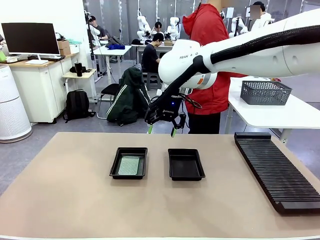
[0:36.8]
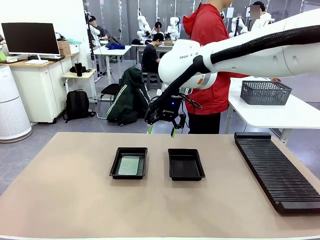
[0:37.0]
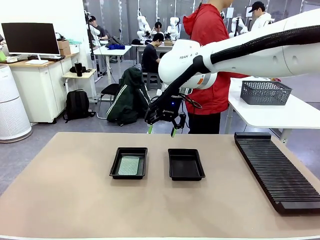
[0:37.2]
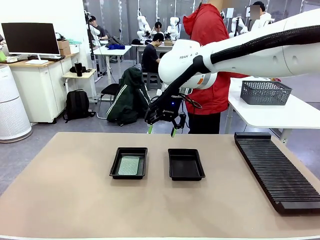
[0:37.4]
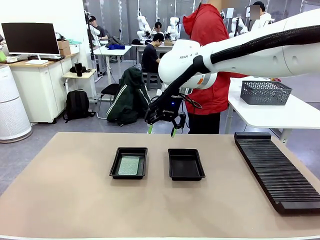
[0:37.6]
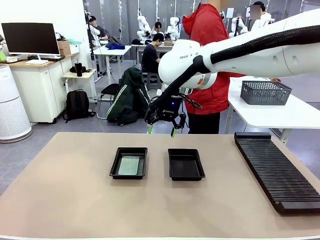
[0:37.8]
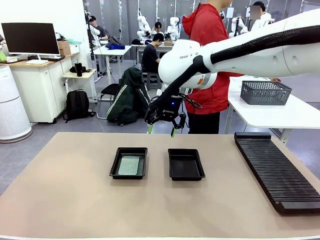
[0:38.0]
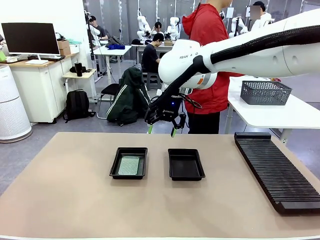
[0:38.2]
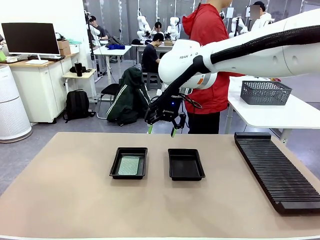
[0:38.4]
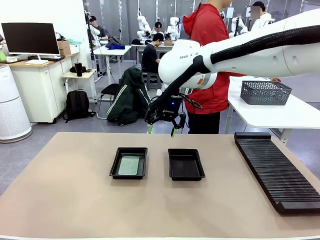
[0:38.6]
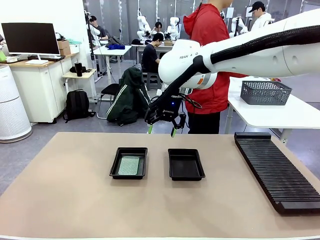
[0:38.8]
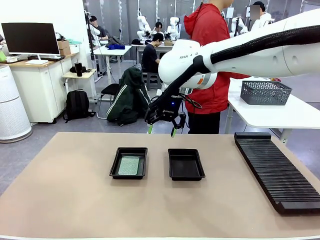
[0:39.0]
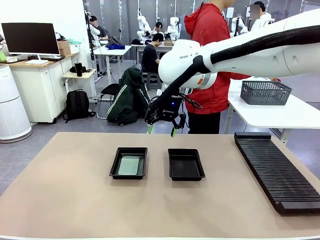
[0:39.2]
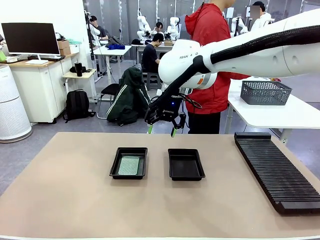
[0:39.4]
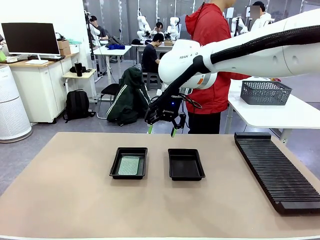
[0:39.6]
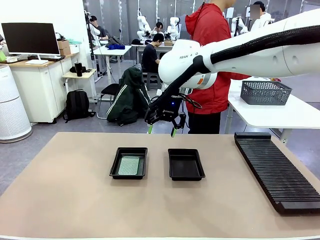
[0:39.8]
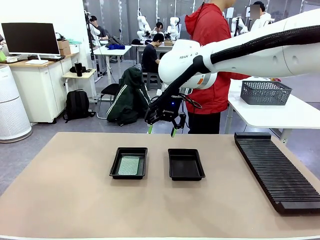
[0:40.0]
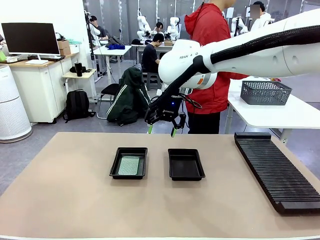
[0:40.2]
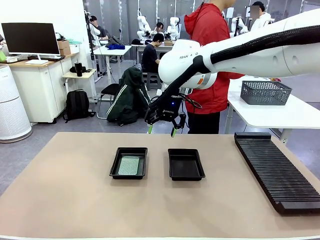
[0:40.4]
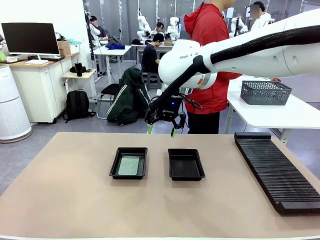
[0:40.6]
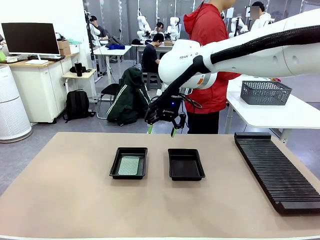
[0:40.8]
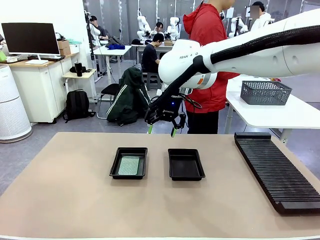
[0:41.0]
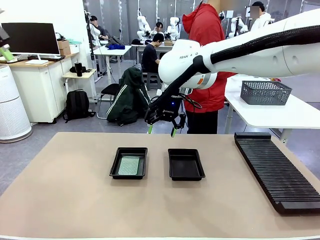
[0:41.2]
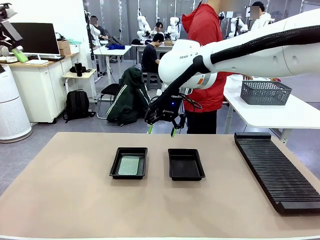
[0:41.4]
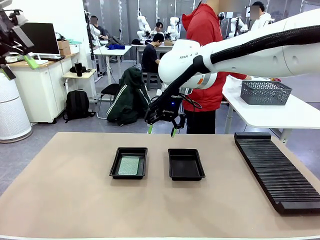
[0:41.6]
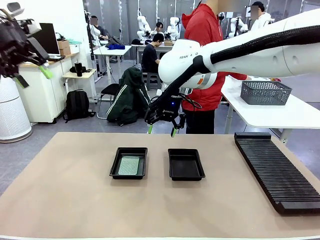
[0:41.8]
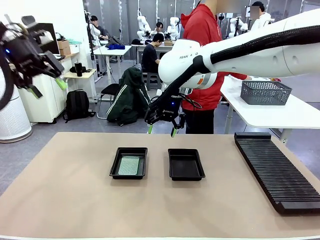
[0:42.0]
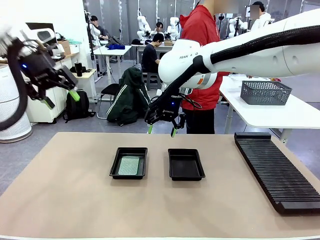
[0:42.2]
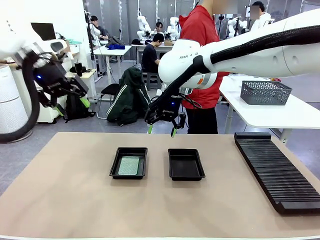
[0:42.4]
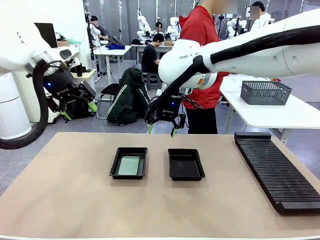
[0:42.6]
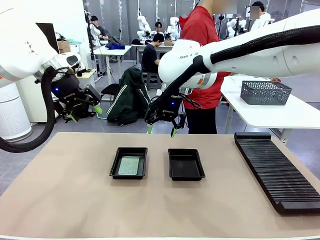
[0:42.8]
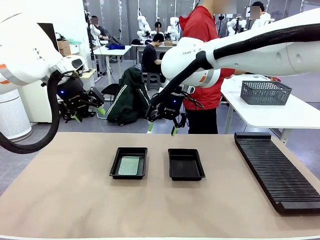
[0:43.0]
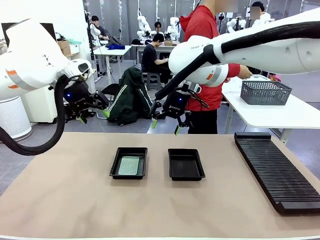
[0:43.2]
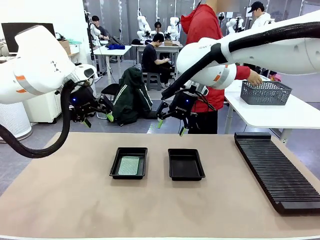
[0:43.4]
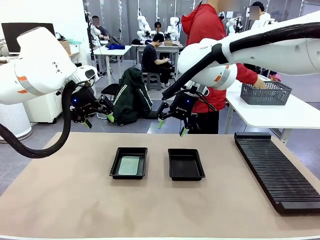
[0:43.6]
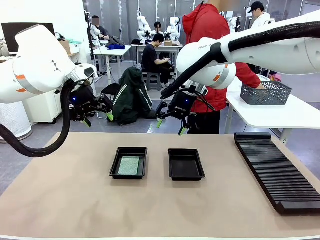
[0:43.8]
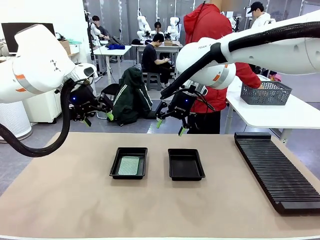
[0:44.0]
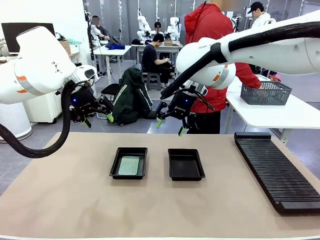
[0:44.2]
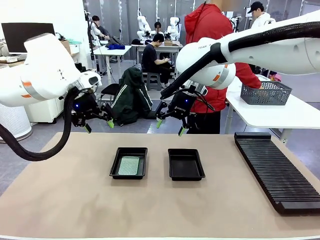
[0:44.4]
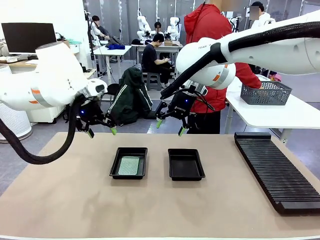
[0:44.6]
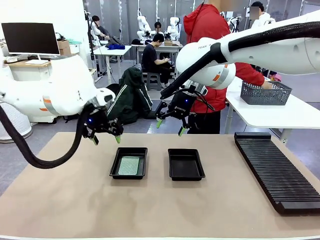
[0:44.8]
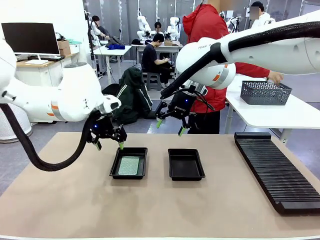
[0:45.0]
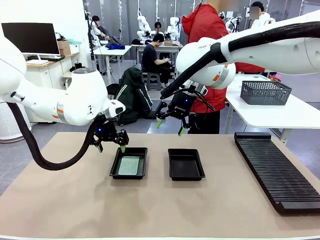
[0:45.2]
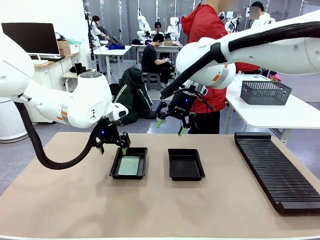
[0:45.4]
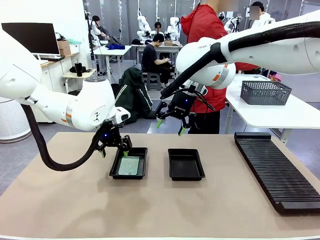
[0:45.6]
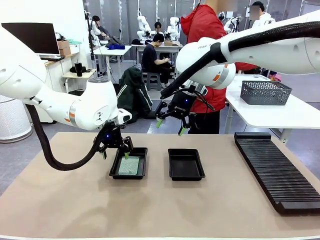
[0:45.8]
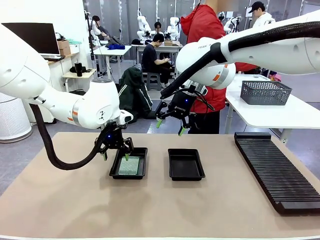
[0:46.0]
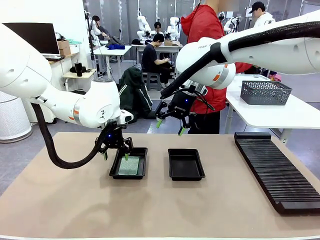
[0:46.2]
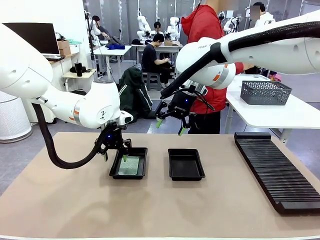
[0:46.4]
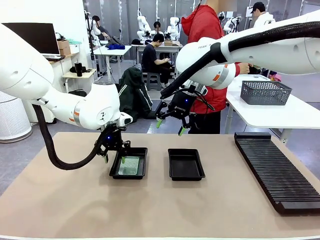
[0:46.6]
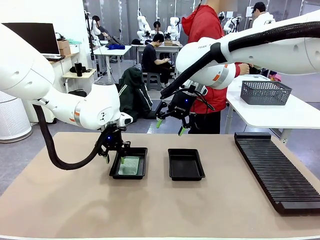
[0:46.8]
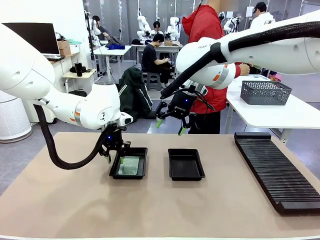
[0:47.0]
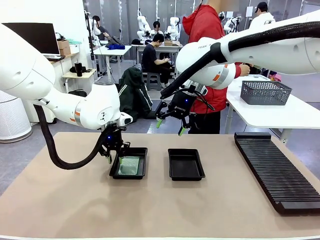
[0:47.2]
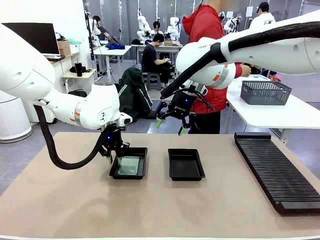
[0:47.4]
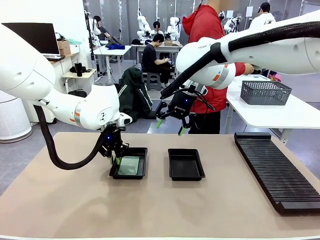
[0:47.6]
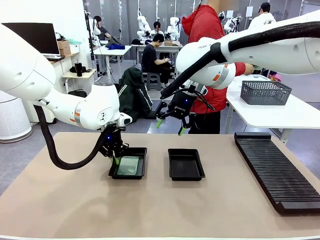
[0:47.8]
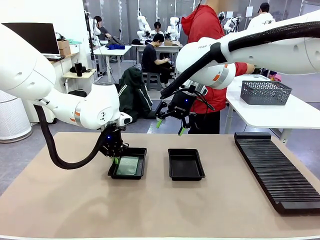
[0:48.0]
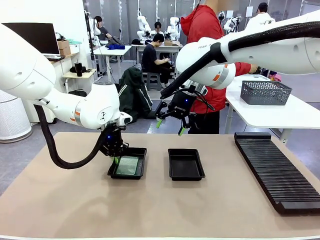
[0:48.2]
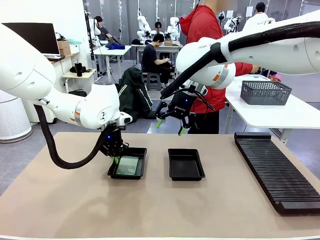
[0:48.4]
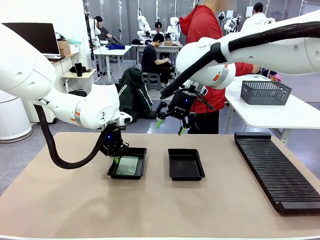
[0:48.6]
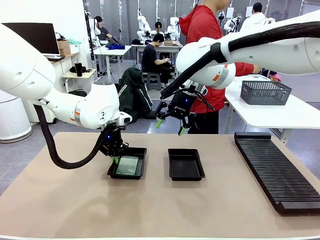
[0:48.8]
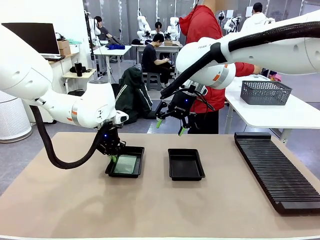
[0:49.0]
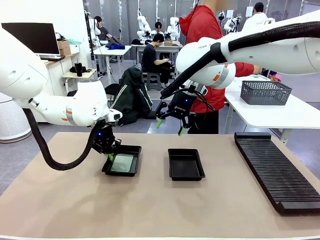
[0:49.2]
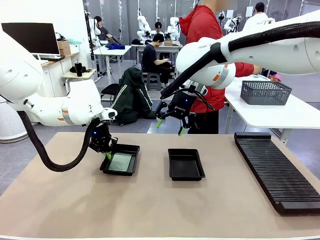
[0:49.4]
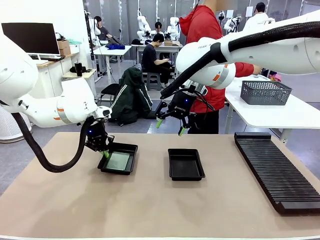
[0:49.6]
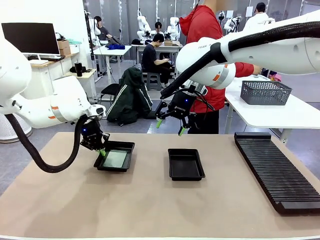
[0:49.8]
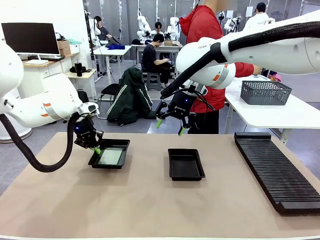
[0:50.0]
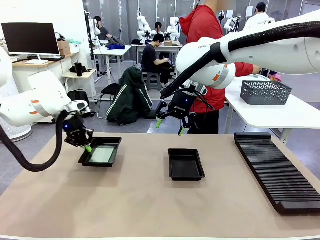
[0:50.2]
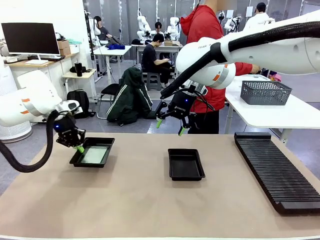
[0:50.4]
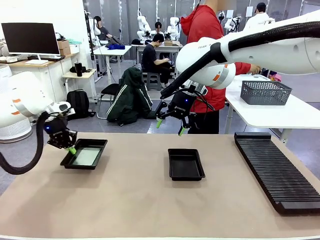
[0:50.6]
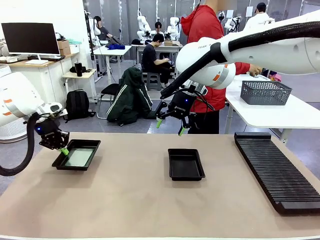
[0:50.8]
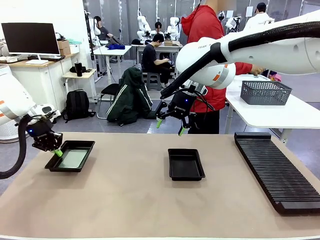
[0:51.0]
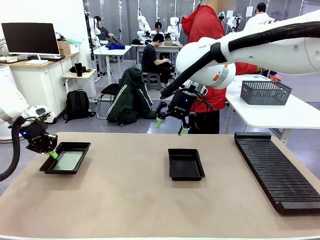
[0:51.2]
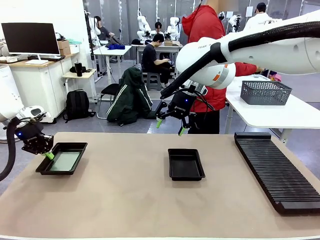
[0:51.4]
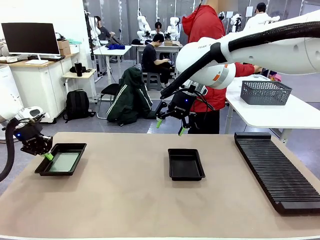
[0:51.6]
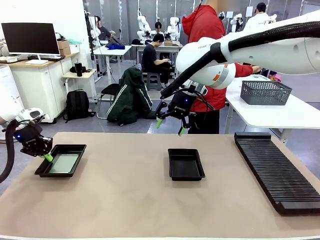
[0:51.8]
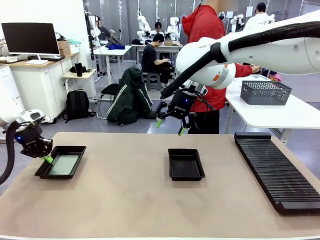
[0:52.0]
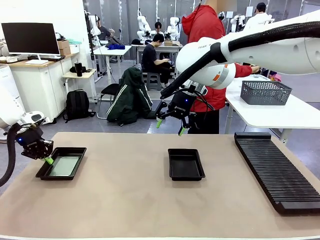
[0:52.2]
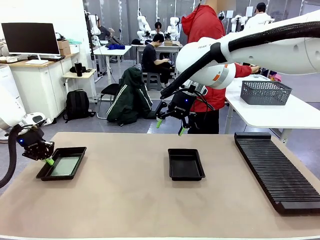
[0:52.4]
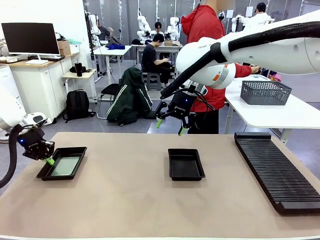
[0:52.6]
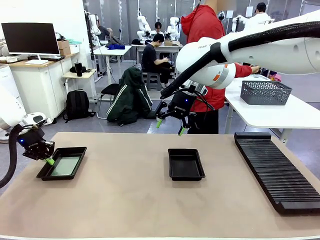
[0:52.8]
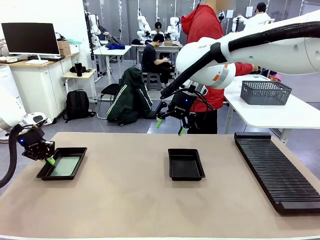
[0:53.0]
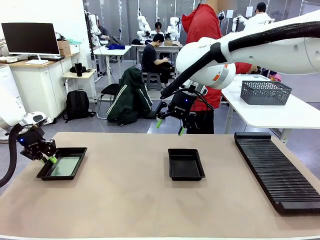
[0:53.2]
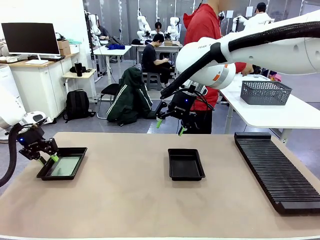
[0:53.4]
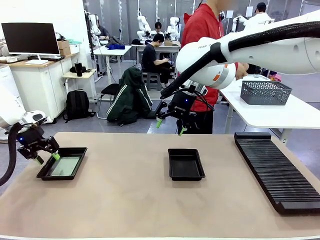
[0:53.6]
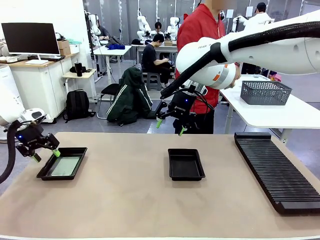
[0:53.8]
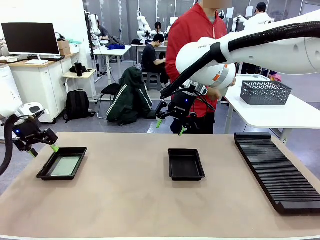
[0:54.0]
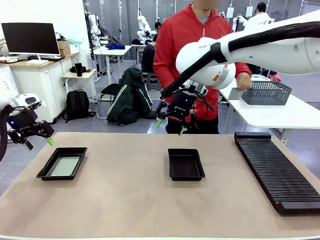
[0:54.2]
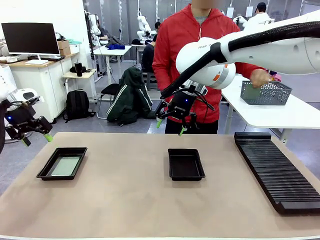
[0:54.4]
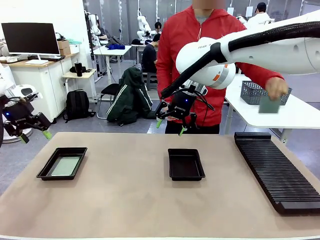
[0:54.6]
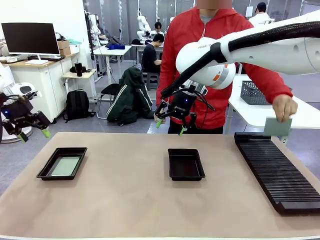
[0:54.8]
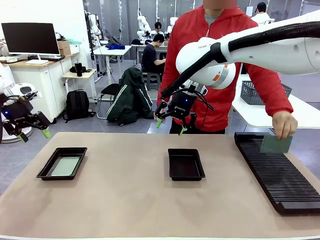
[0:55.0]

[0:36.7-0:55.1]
Task: Inspect and transfer BCBs to ESD trays.
Robot: Pick up the ESD tray and place it on the left side of the table.
